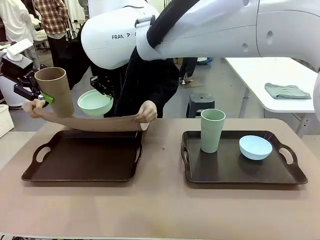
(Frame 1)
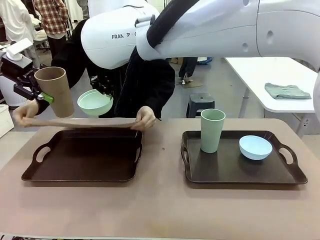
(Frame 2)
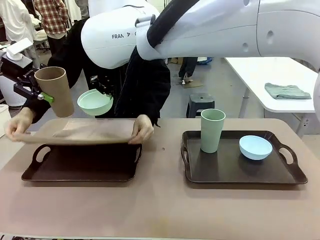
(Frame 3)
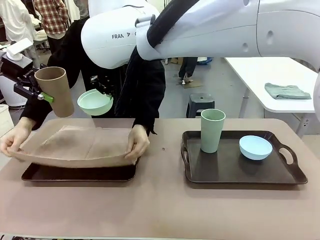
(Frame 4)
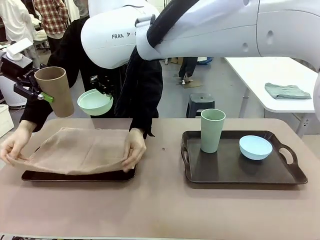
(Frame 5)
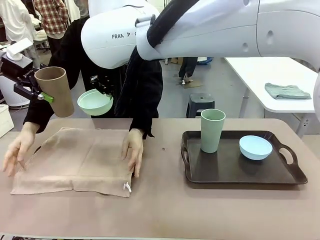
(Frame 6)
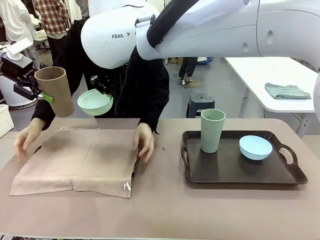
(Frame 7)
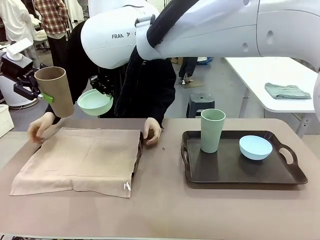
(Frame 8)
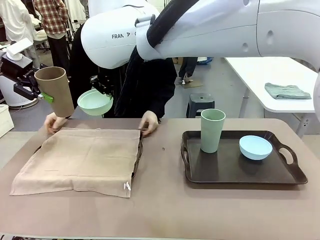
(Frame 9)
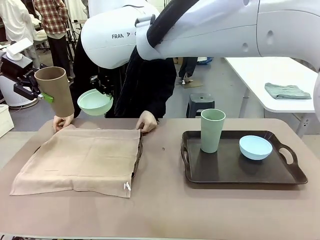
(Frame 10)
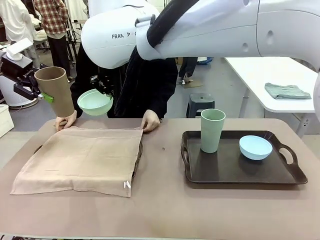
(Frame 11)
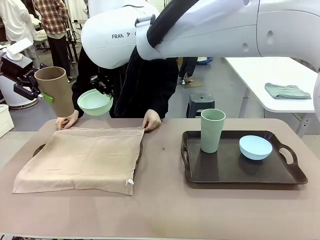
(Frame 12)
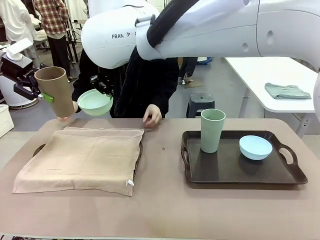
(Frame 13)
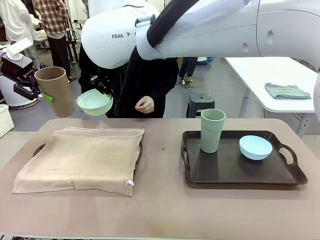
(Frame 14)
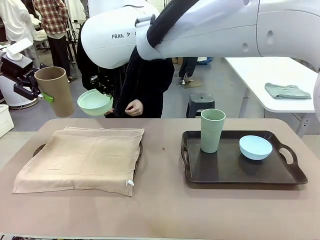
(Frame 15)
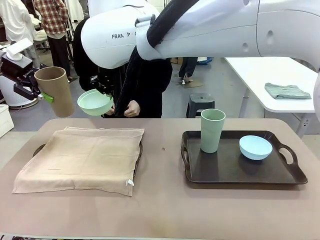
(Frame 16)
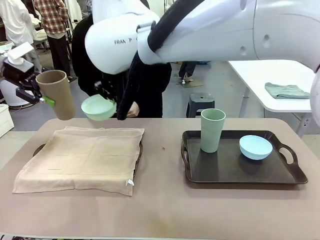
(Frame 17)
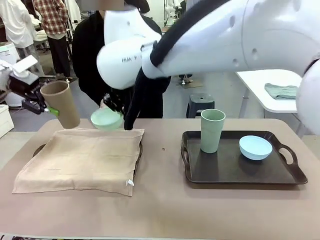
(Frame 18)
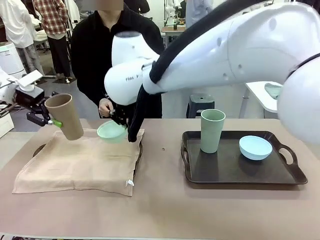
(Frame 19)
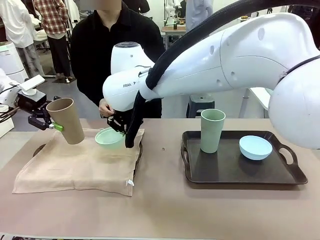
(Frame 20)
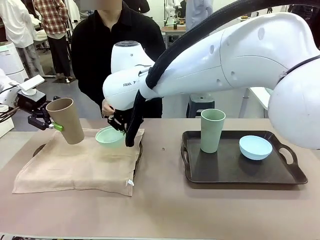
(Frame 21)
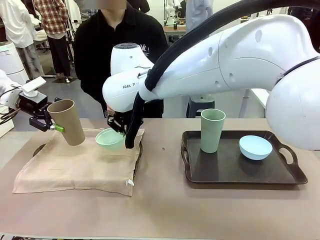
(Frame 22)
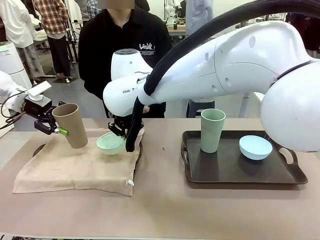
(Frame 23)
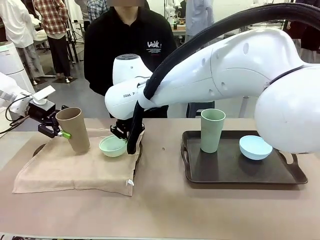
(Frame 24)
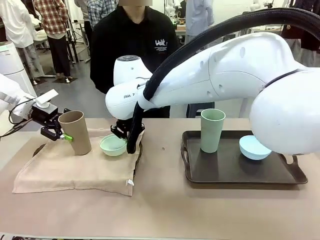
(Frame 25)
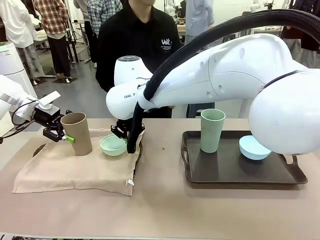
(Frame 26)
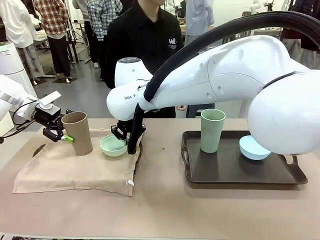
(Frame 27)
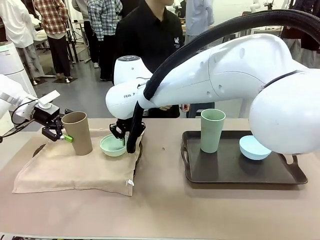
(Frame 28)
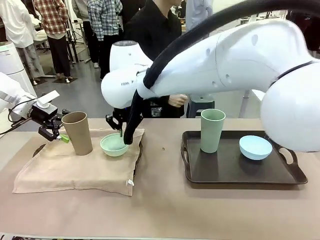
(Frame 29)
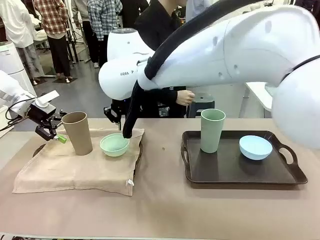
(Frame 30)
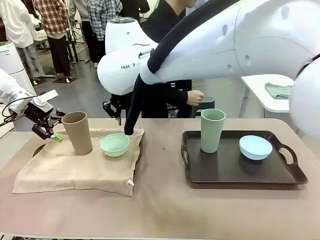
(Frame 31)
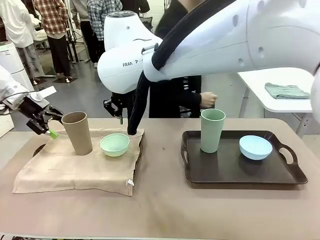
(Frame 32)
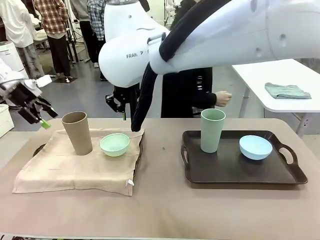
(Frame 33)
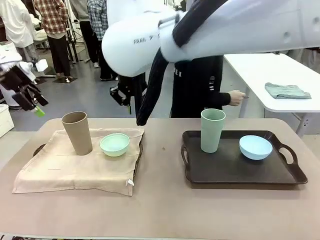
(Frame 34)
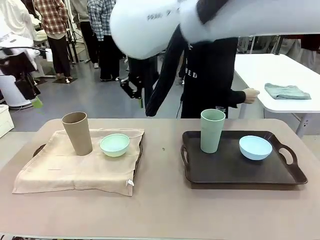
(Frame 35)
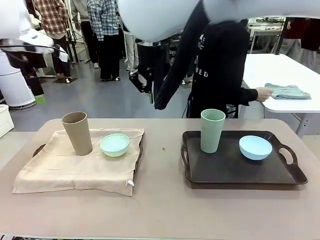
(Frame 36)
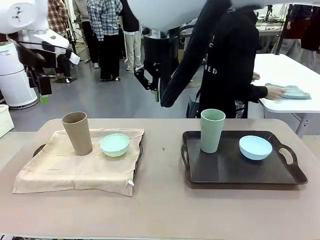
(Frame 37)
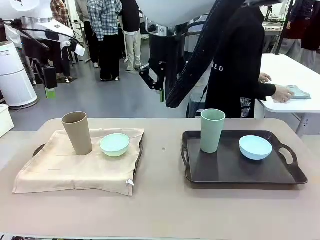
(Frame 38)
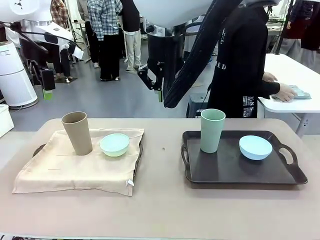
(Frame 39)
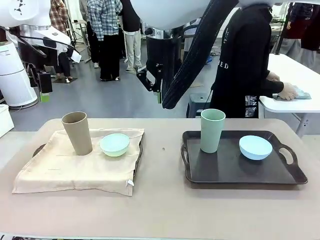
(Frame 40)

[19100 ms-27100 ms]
Robot: Place the Picnic Bowl and Reusable plastic cup back onto the Handle tray in front of the human's position.

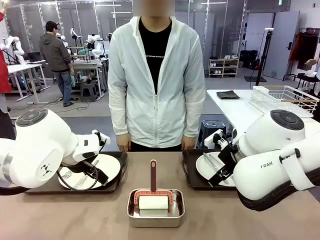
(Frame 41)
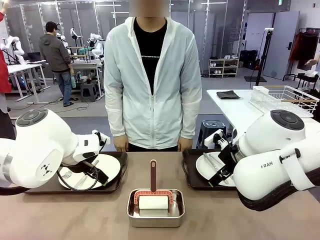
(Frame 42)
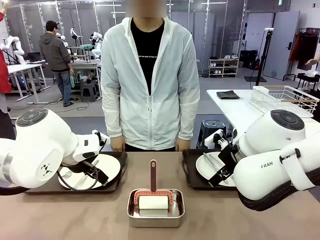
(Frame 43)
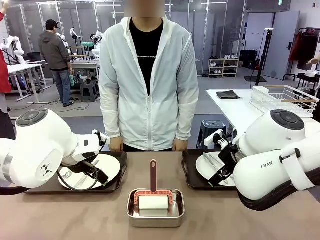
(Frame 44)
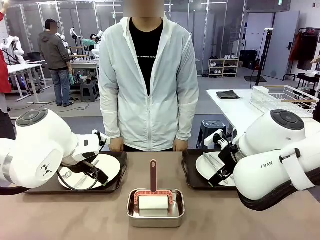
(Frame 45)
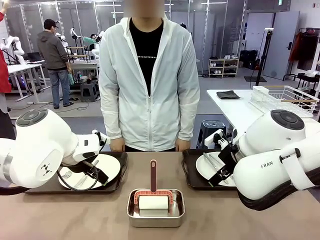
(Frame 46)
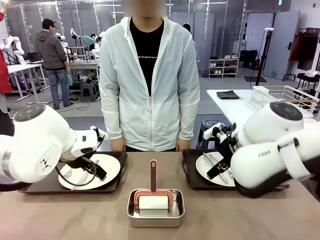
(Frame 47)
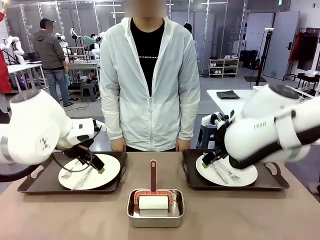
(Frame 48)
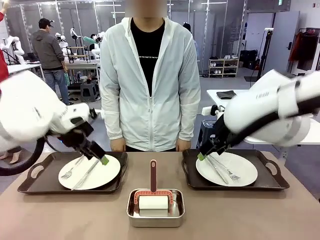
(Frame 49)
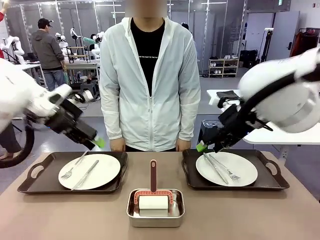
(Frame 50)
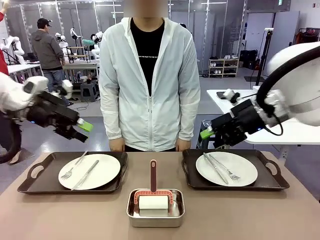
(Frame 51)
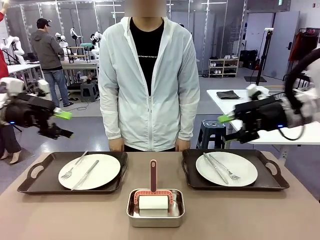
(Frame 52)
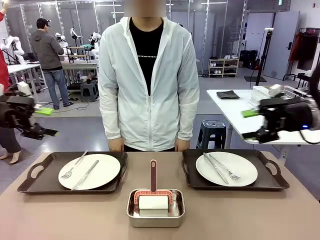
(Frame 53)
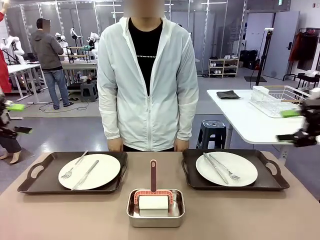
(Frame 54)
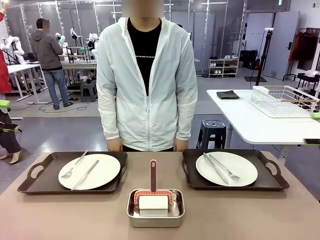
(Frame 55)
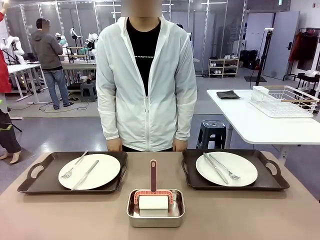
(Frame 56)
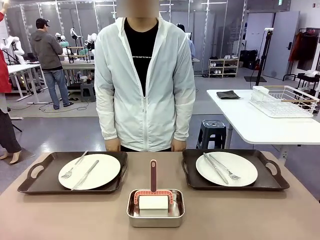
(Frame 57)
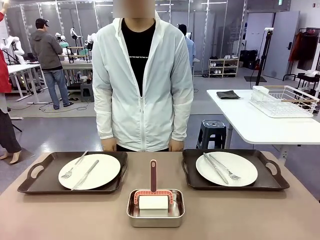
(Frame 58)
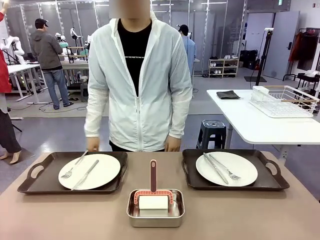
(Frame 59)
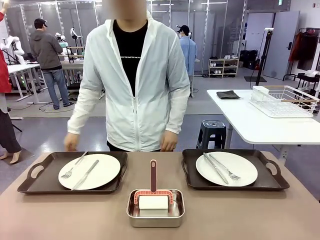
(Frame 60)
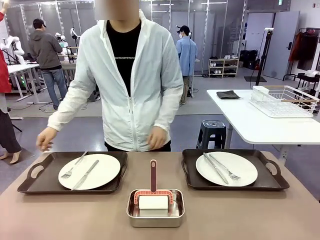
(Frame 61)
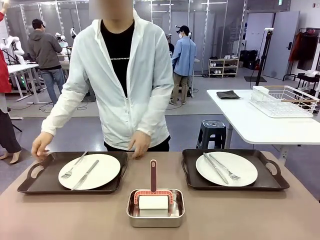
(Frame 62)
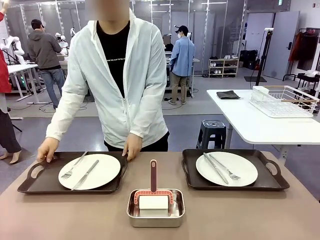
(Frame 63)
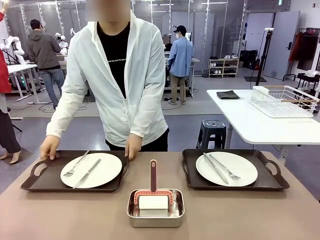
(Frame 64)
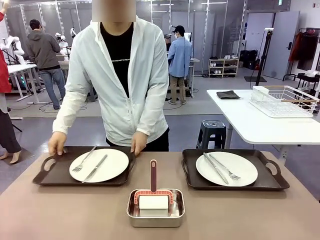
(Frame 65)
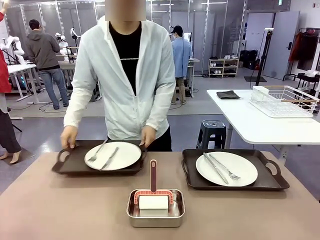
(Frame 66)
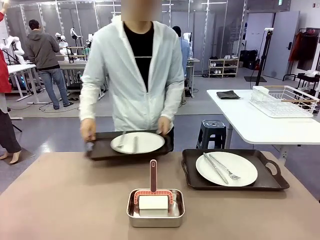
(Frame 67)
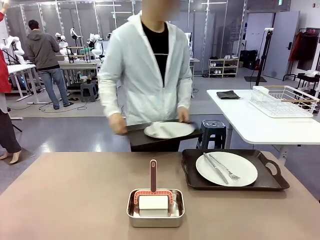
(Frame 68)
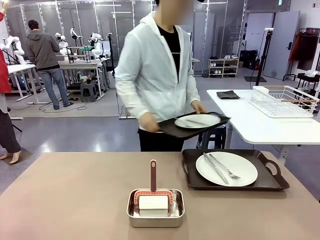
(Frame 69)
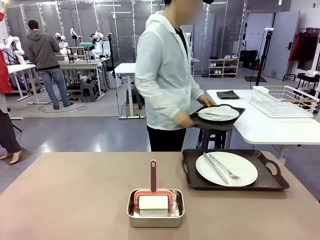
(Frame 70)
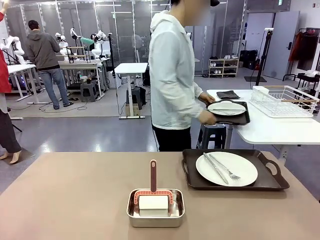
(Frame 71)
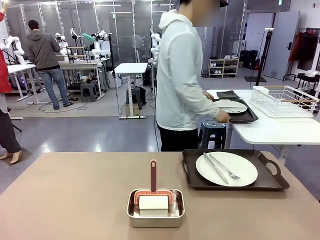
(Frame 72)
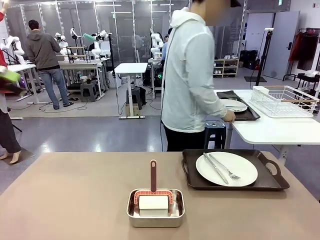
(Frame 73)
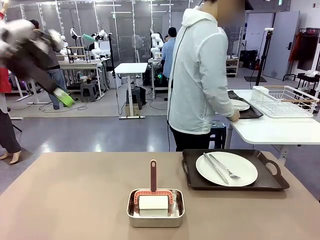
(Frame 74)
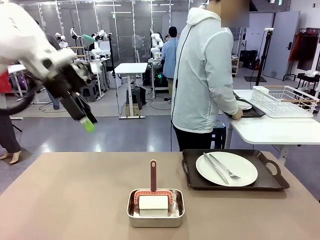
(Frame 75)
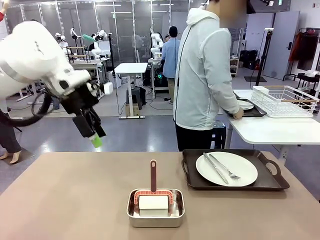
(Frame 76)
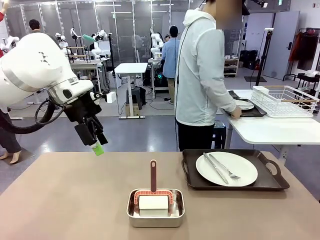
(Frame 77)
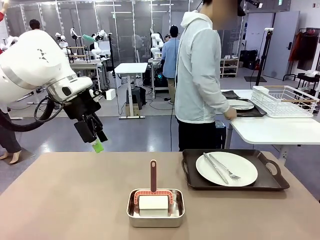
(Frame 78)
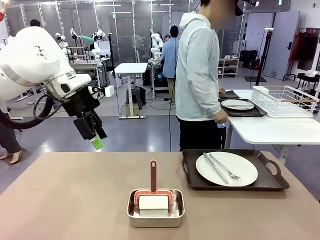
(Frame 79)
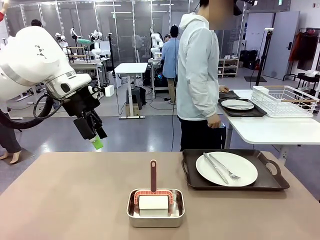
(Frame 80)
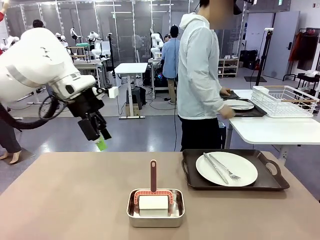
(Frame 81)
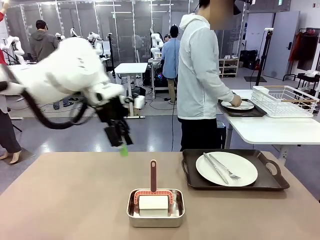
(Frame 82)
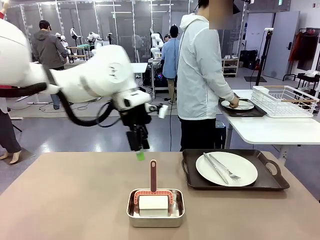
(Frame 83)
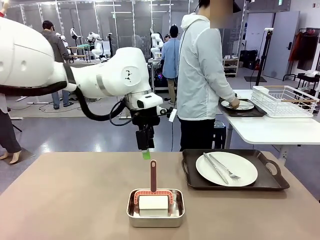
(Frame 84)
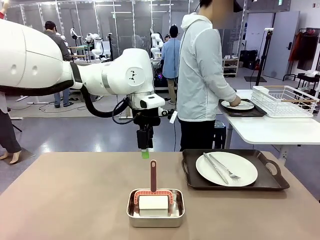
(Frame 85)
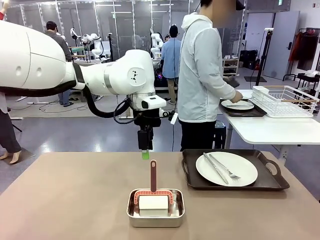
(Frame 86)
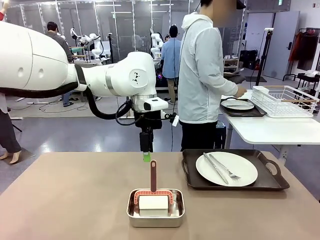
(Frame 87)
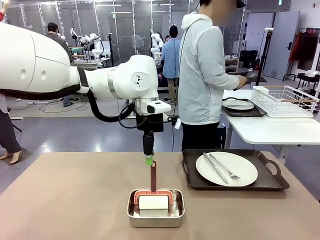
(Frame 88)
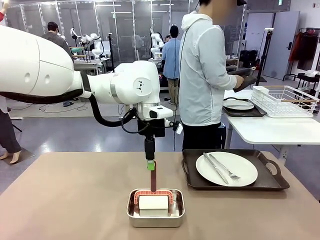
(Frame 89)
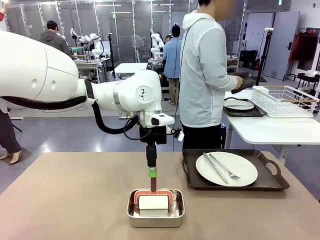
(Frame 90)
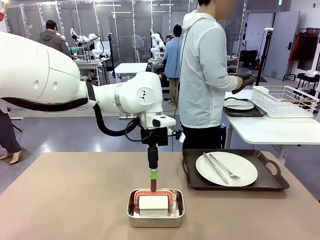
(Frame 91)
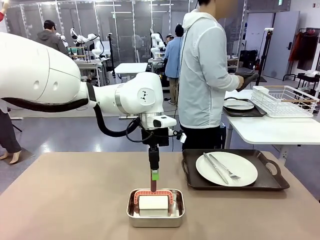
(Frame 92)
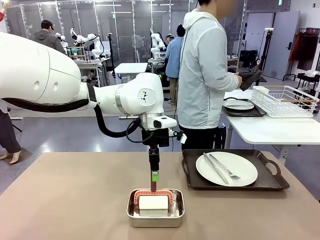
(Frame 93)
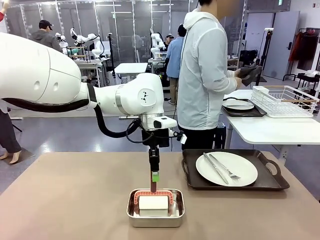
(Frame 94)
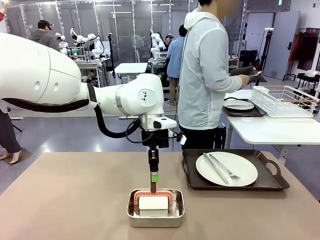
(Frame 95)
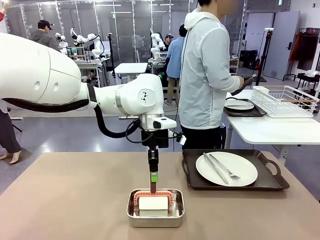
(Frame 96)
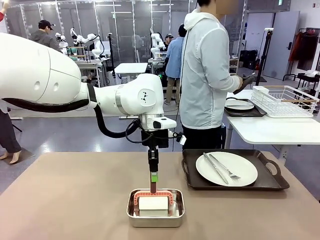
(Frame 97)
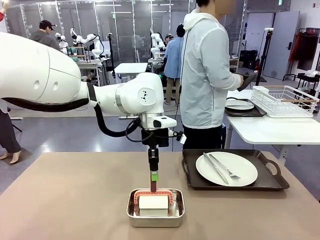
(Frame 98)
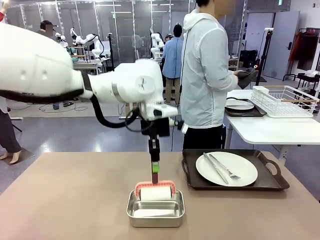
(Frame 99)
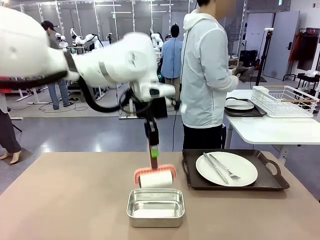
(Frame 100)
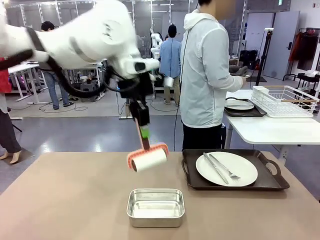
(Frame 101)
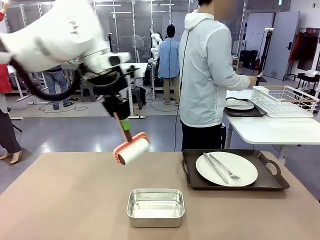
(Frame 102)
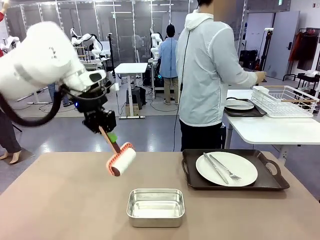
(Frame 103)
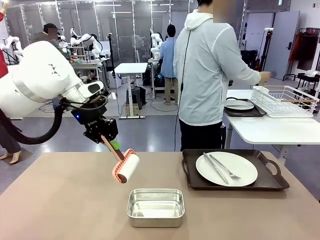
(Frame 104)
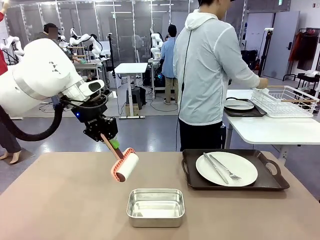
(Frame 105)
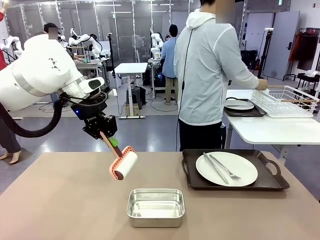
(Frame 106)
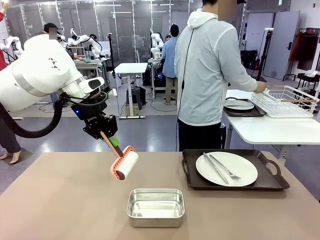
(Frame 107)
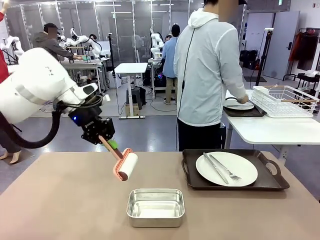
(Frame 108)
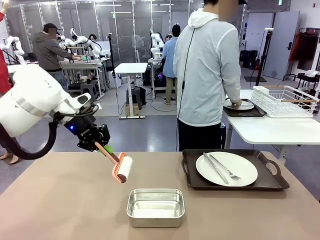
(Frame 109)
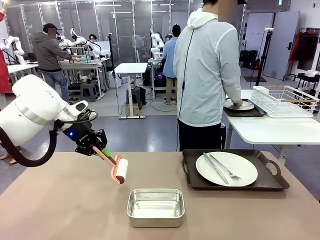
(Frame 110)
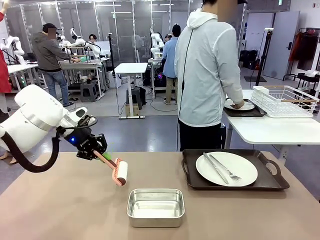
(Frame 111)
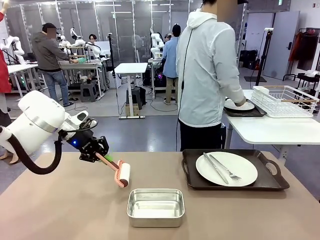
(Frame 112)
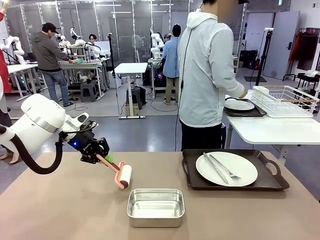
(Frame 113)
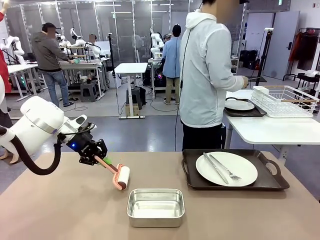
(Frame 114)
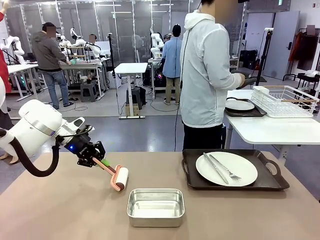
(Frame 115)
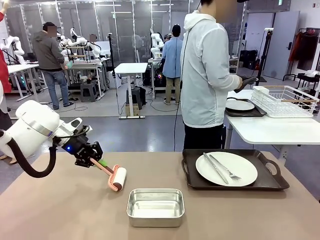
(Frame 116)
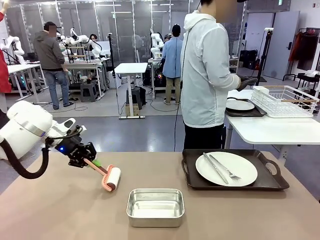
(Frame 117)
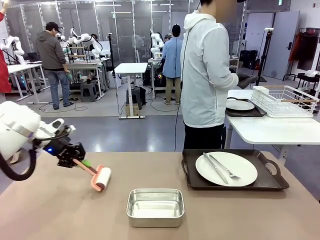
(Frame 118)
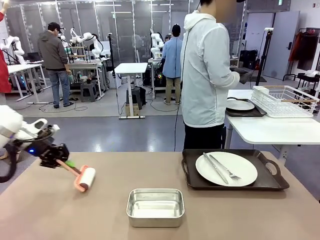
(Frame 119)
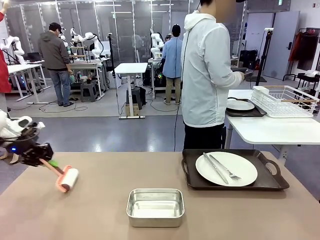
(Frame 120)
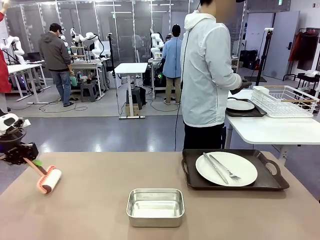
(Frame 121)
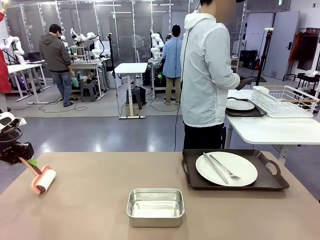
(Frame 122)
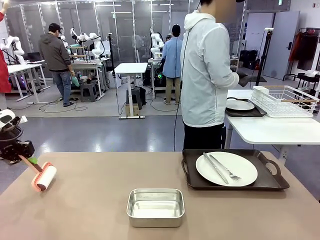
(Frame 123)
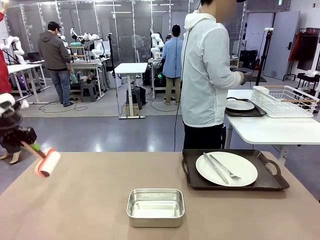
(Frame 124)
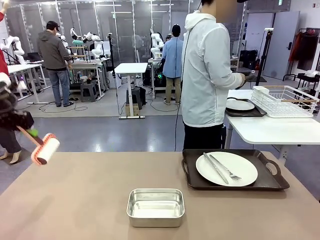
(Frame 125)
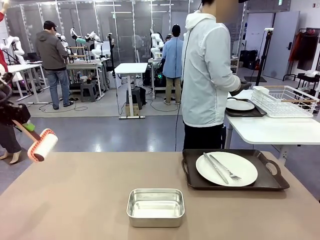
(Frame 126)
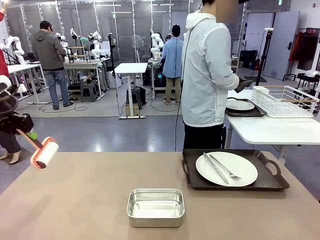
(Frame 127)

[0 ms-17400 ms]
Robot: When the left (or right) Handle tray is removed, use the left hand (or right hand) to clean the left (or right) side of the table with the Lint Roller.
Person: Pick up the left (or right) Handle tray and place it on the middle of the Human's table. Use the Towel with hook to wipe the Plastic Matte Plate , Fork , and Knife and place into the Dish drying rack.
